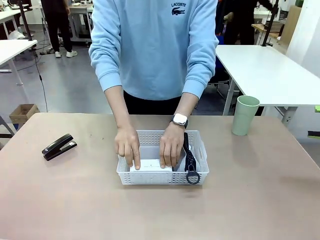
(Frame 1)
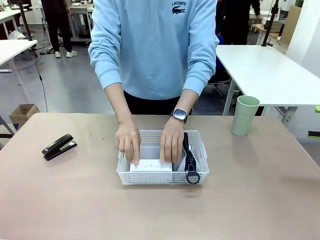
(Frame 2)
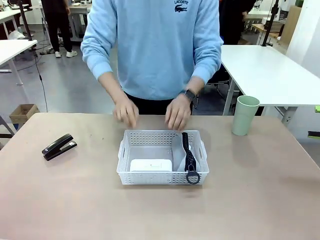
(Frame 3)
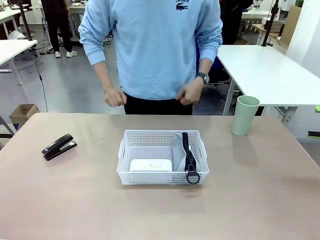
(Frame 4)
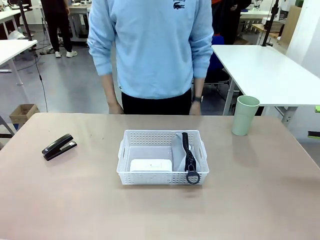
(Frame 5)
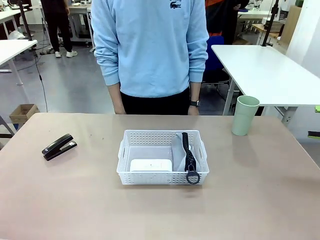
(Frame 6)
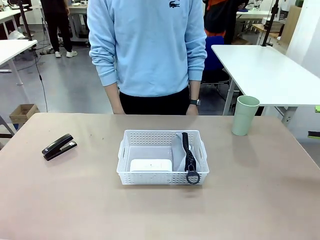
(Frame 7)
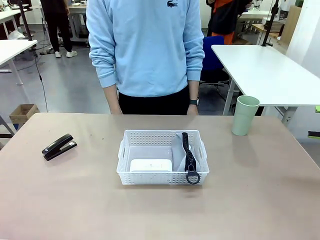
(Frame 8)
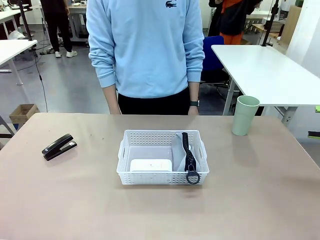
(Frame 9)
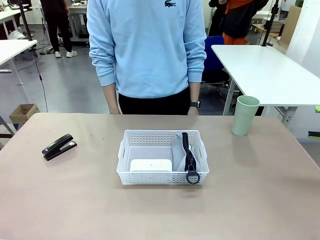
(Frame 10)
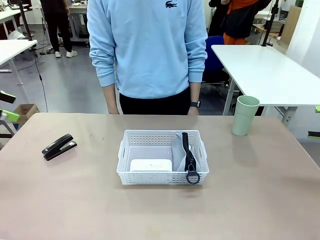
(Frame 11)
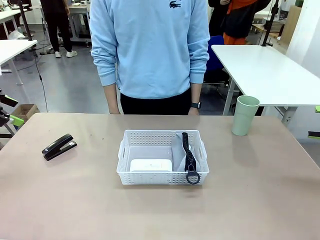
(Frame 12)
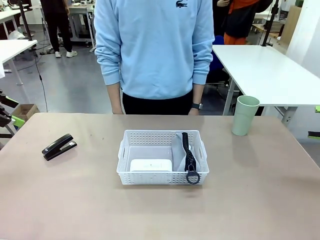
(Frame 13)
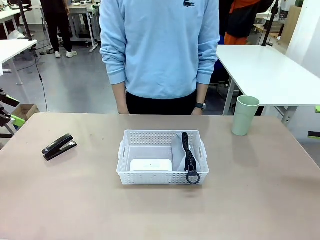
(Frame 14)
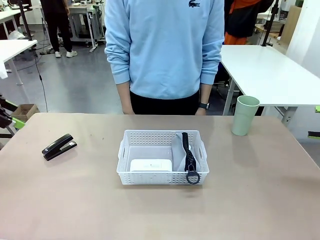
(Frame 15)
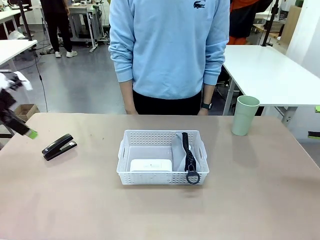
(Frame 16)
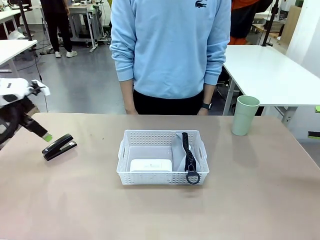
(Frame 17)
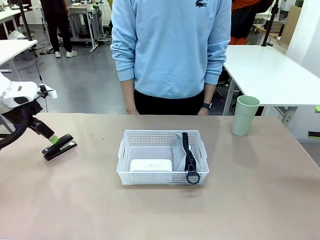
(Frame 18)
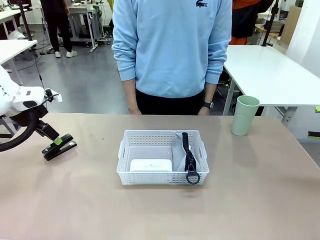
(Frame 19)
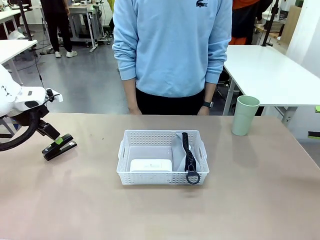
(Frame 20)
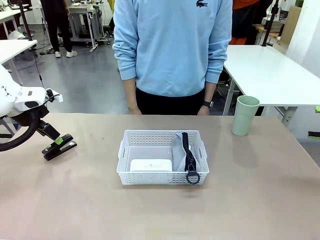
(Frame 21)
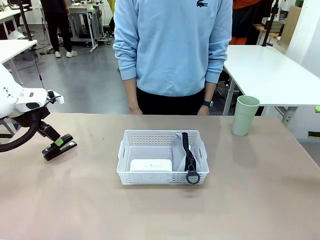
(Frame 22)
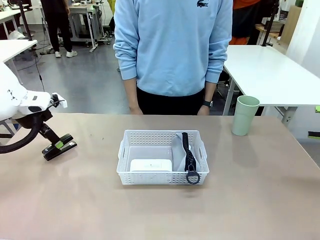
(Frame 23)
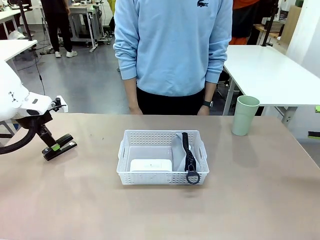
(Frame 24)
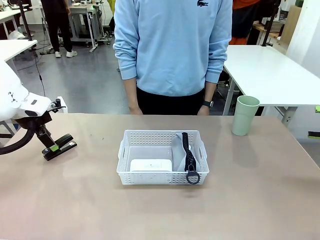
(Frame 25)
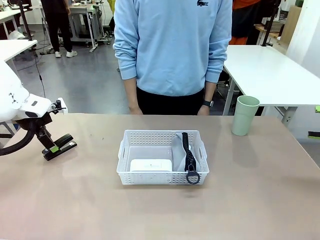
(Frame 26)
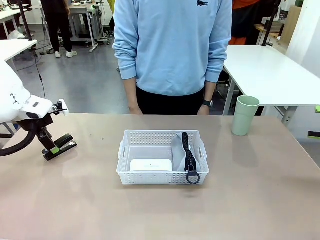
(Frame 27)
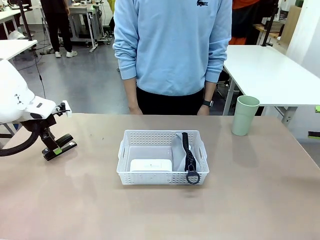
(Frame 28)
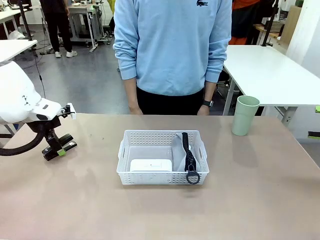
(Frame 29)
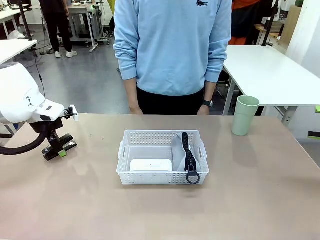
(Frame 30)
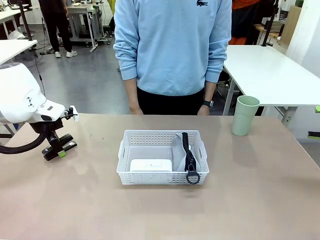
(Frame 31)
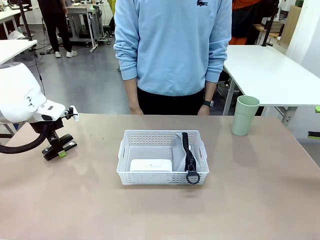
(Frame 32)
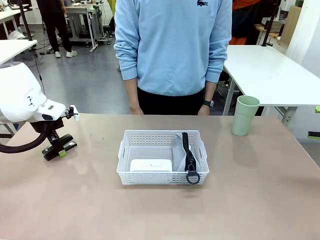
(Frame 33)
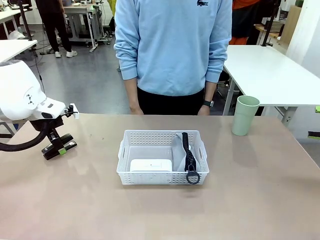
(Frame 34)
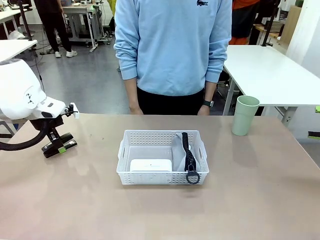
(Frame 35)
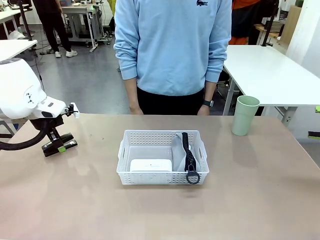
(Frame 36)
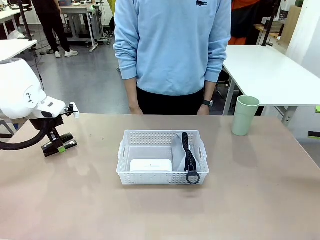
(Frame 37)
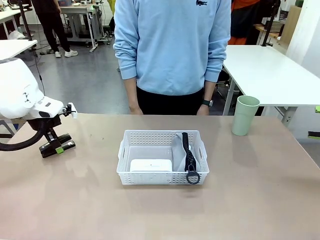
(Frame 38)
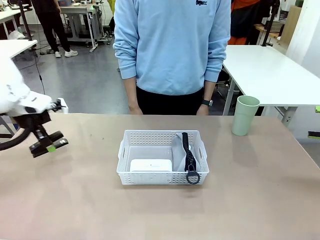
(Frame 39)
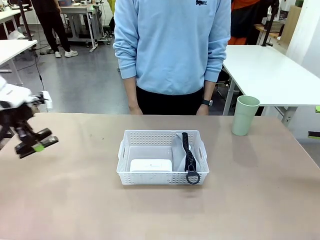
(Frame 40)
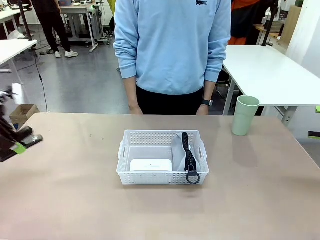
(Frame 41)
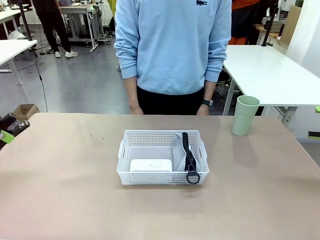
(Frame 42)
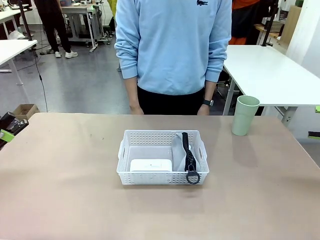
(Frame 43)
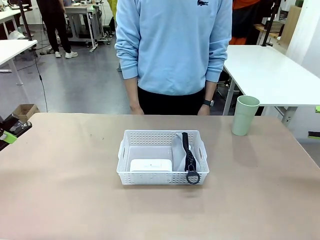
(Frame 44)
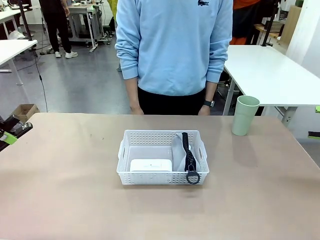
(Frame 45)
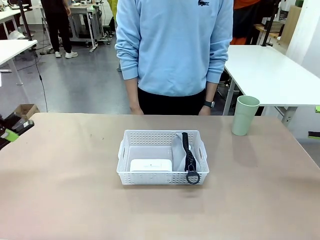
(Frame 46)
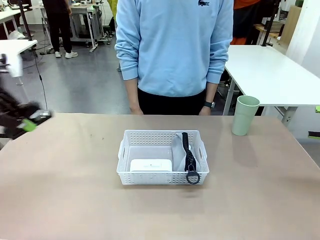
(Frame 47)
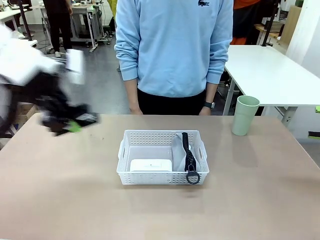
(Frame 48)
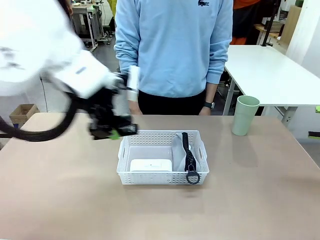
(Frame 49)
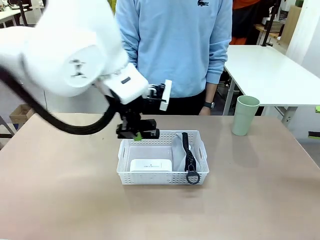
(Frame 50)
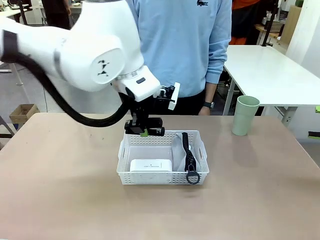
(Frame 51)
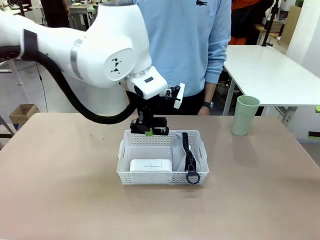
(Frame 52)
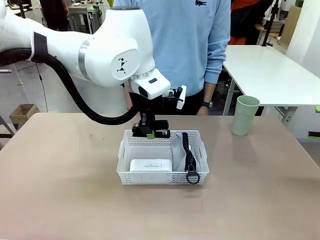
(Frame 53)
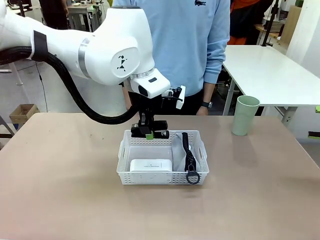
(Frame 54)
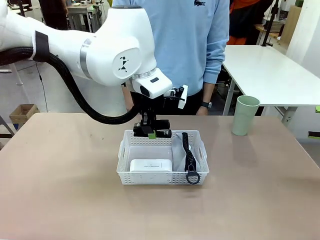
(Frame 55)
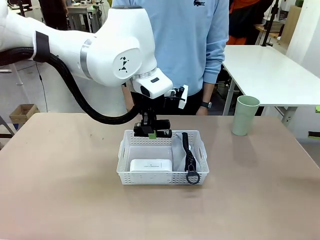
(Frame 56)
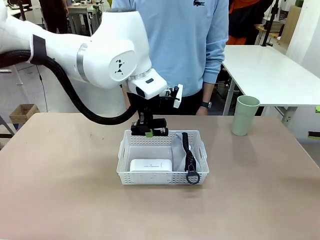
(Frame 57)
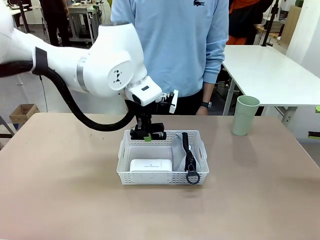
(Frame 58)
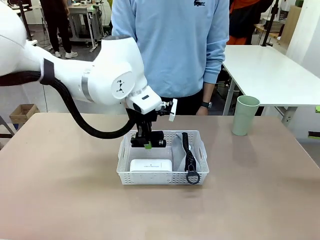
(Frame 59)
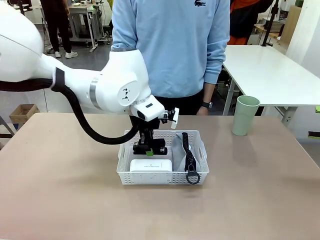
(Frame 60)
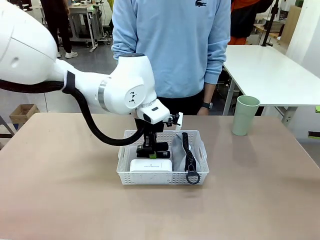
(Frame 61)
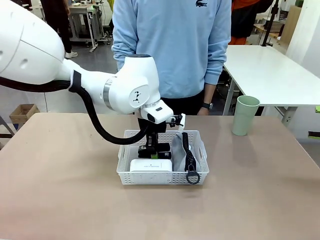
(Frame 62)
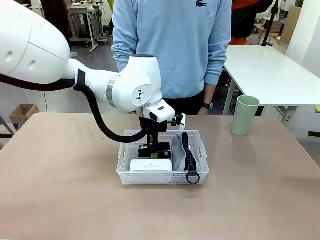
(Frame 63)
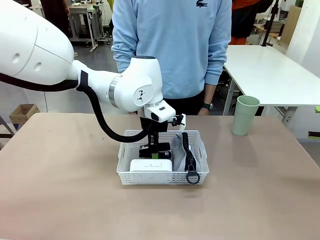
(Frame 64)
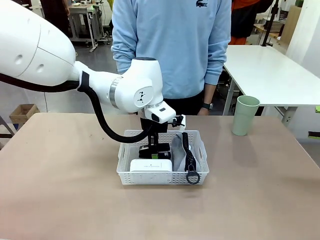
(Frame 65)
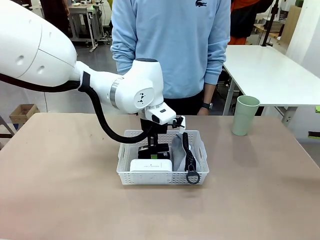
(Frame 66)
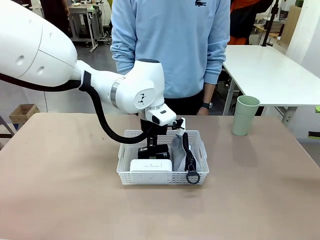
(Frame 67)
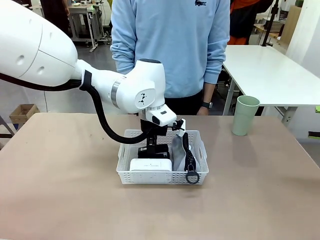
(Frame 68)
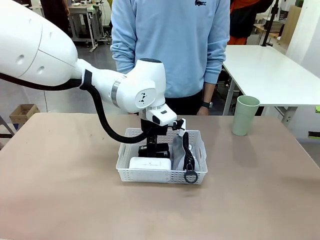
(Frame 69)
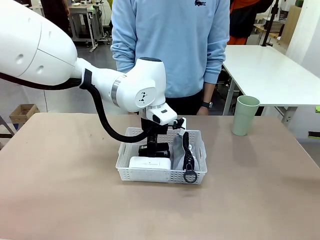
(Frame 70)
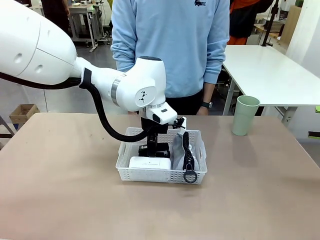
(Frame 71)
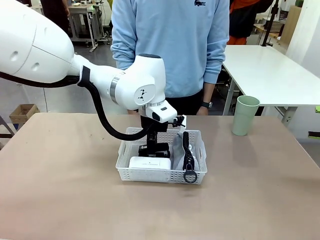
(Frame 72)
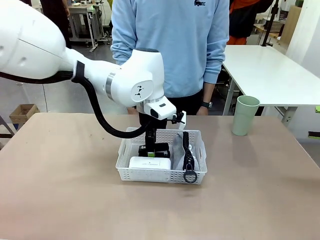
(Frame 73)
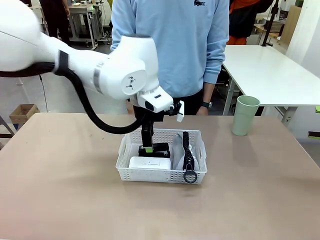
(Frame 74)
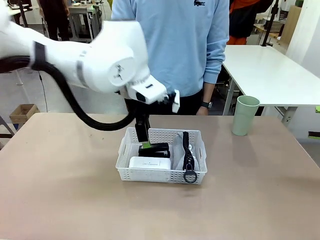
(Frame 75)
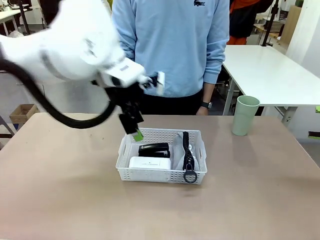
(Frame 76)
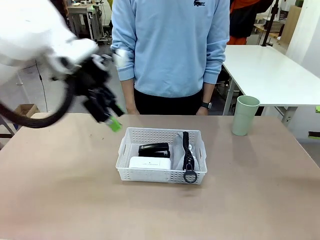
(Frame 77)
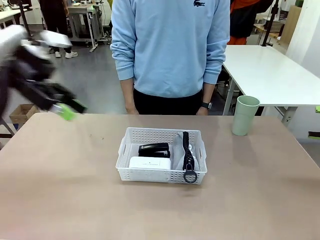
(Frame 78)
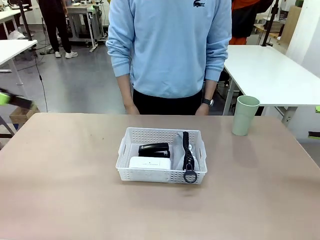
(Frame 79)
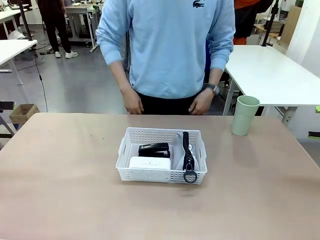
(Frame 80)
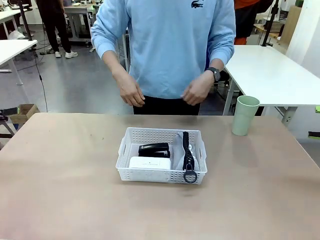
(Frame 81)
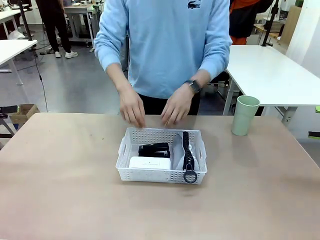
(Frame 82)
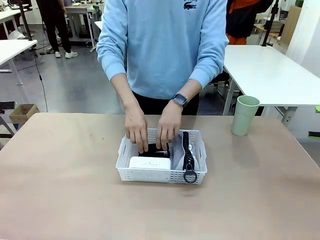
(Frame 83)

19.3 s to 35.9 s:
Task: Efficiently arrange items inside the basket to fit them all.
Robot: Pick up the Stapler and place it inside the Organizing basket.
